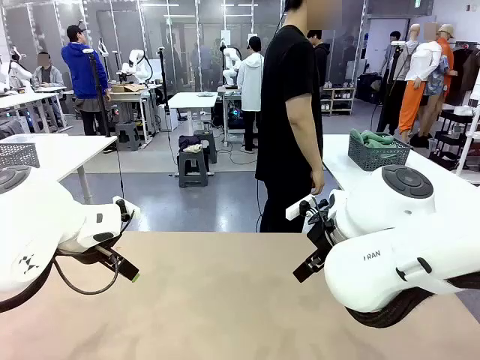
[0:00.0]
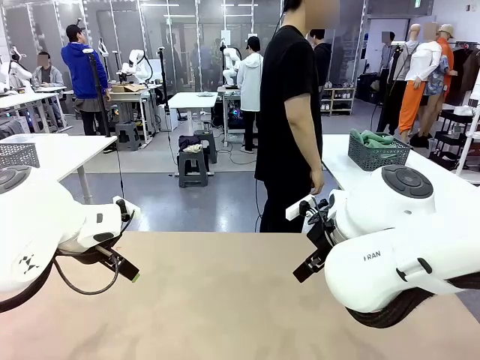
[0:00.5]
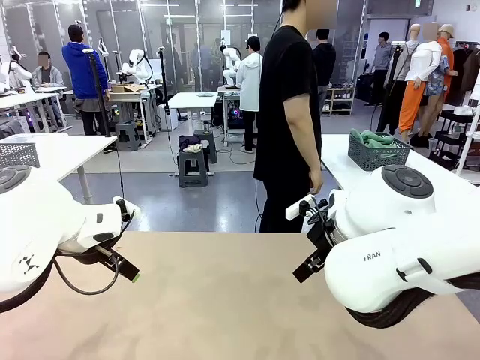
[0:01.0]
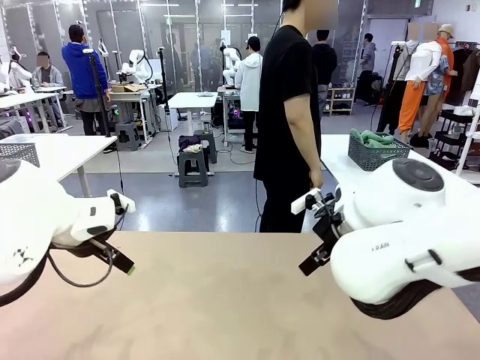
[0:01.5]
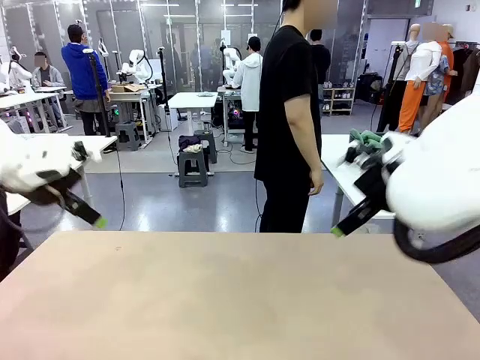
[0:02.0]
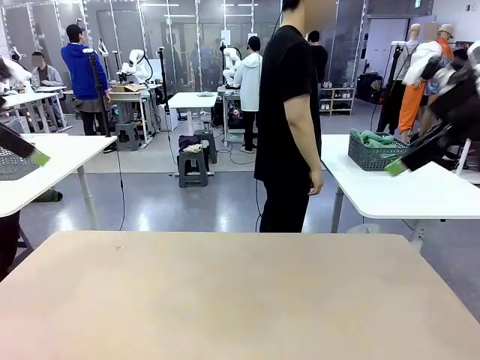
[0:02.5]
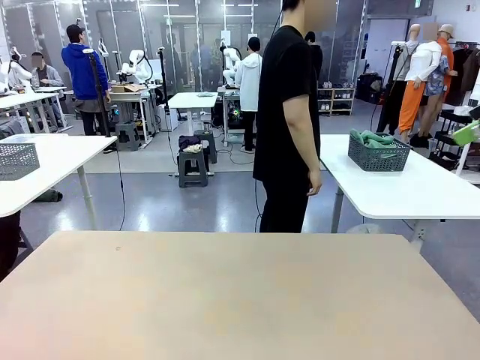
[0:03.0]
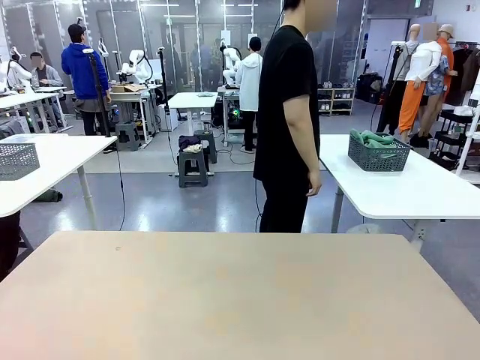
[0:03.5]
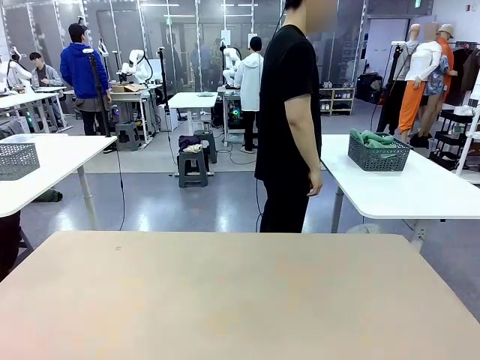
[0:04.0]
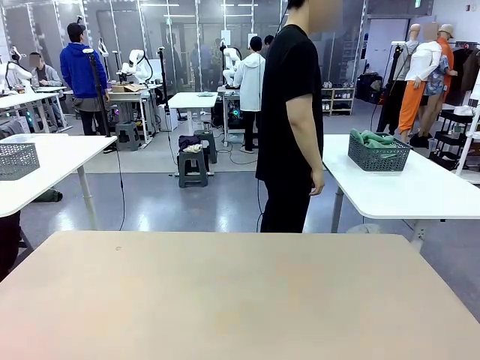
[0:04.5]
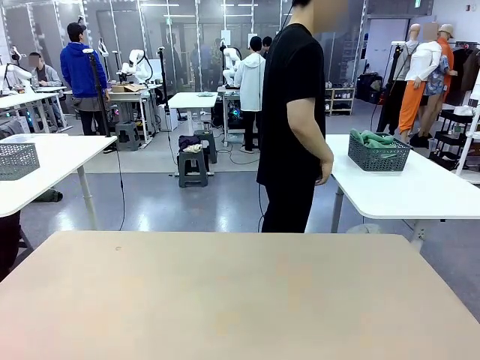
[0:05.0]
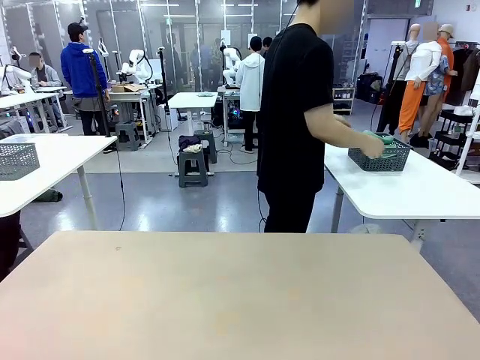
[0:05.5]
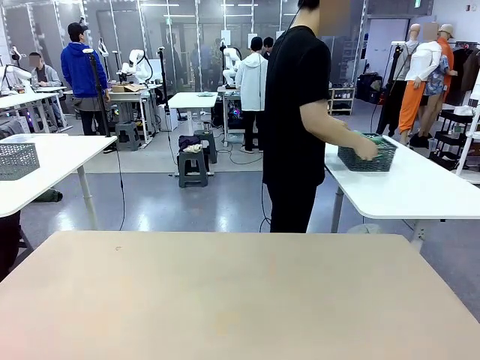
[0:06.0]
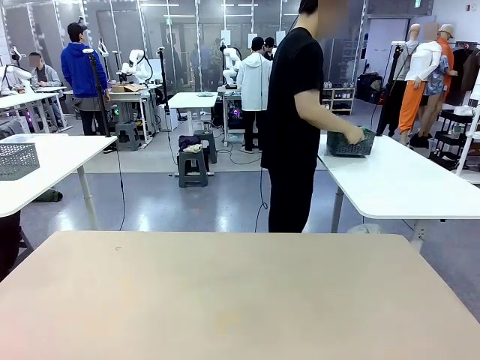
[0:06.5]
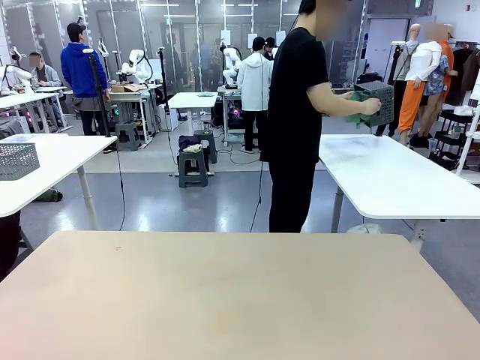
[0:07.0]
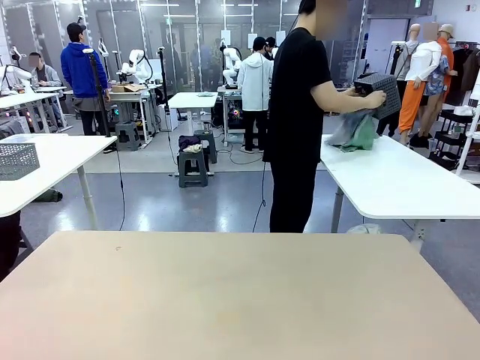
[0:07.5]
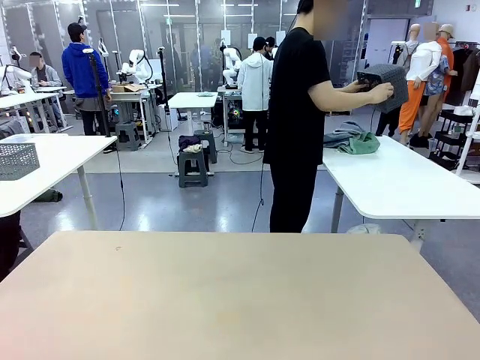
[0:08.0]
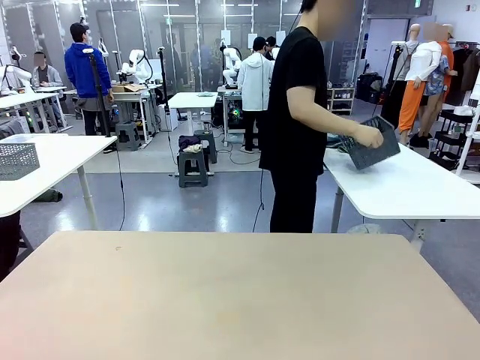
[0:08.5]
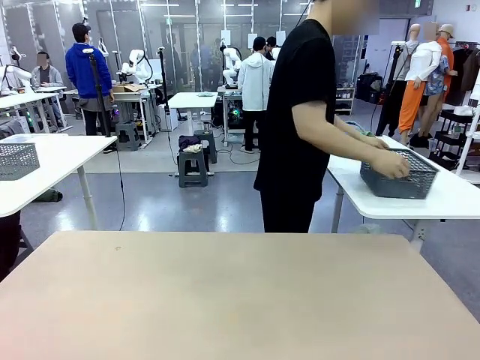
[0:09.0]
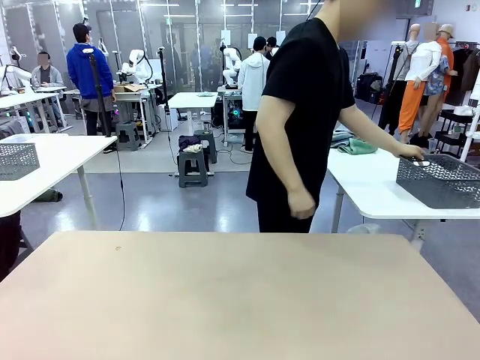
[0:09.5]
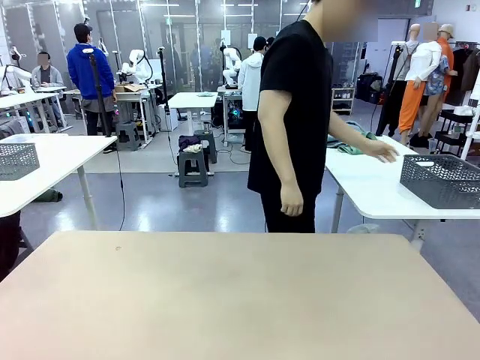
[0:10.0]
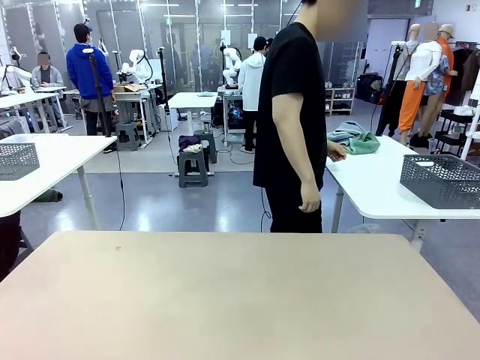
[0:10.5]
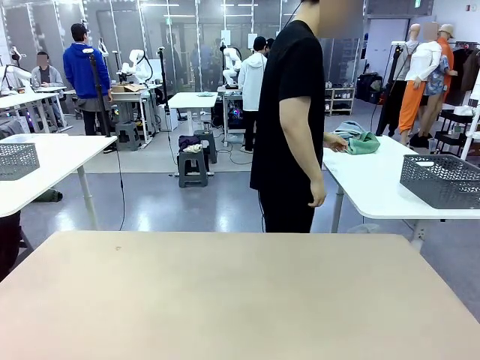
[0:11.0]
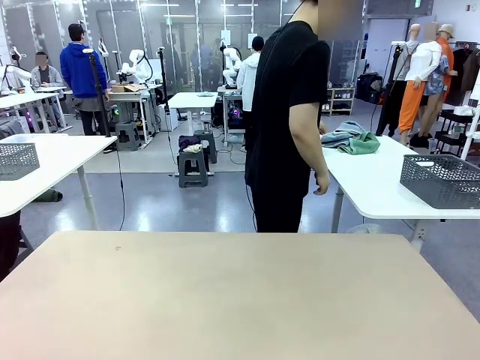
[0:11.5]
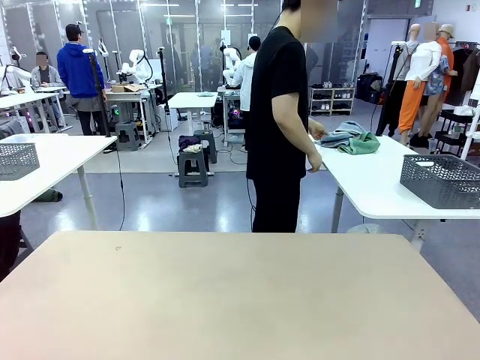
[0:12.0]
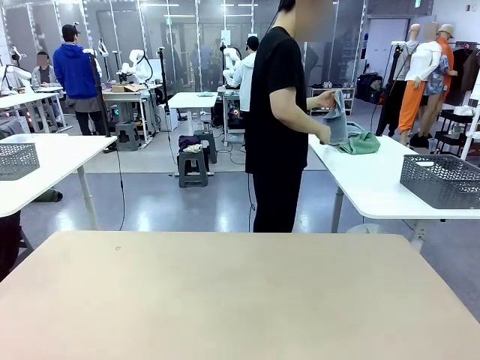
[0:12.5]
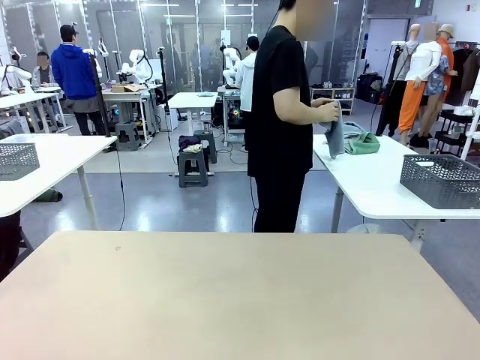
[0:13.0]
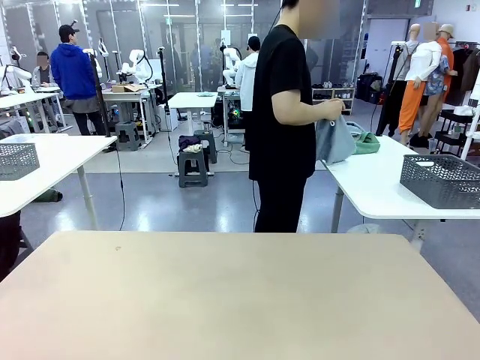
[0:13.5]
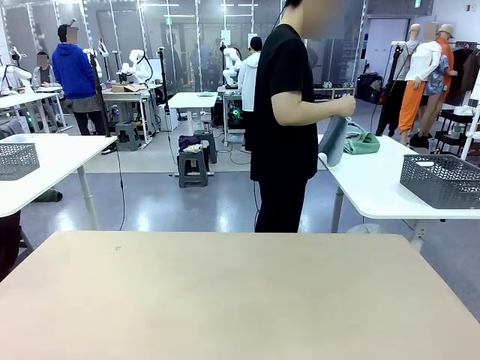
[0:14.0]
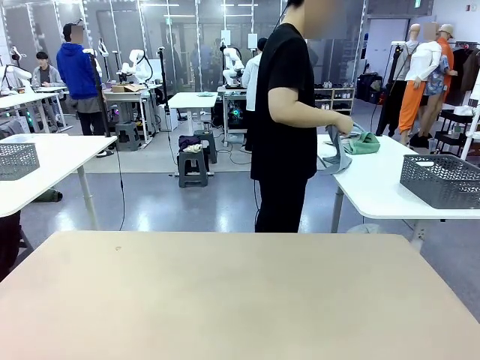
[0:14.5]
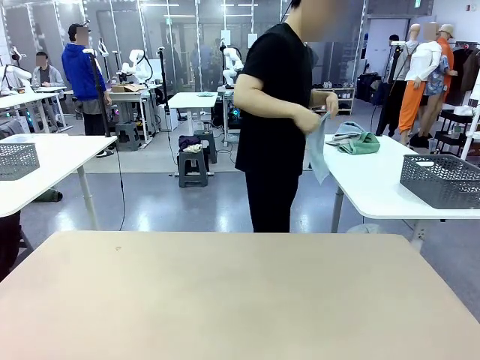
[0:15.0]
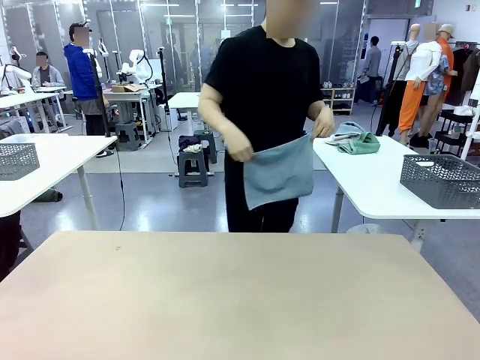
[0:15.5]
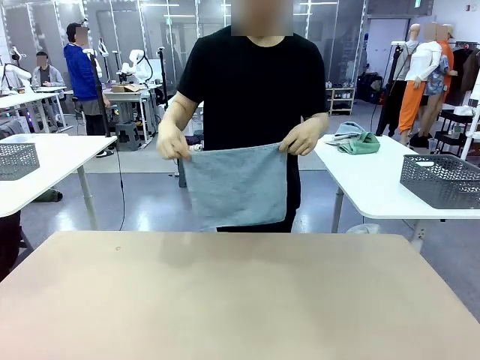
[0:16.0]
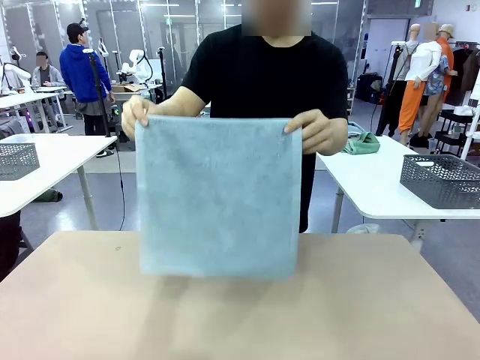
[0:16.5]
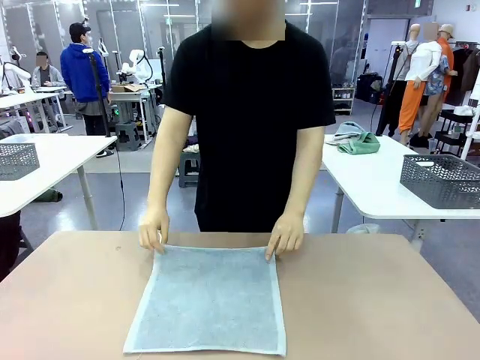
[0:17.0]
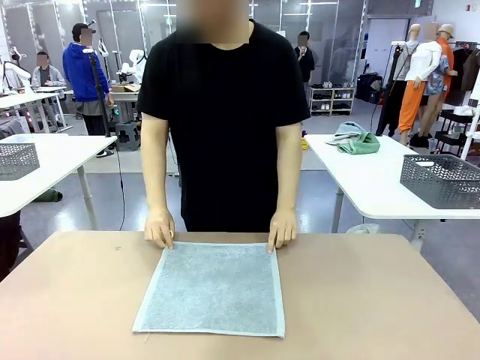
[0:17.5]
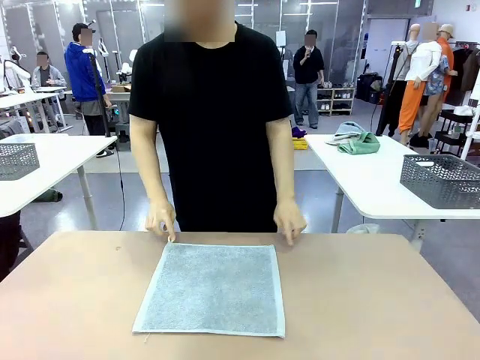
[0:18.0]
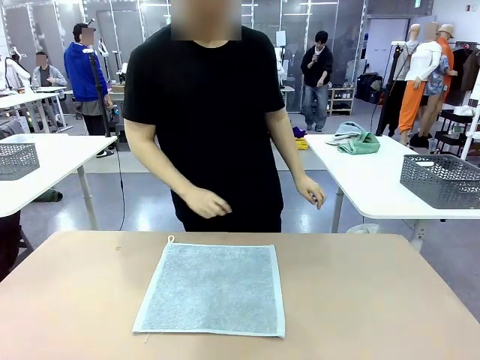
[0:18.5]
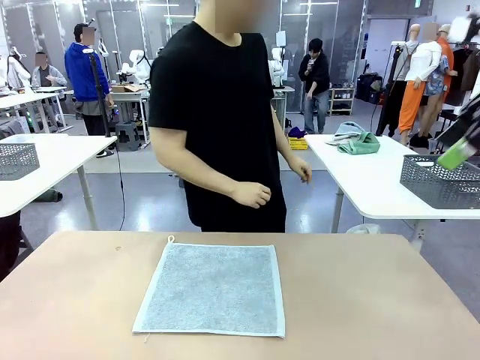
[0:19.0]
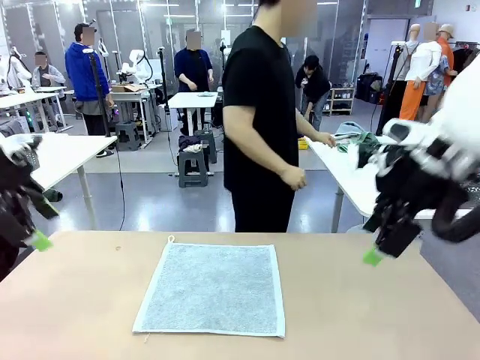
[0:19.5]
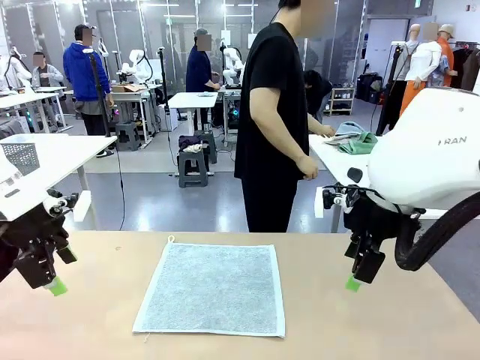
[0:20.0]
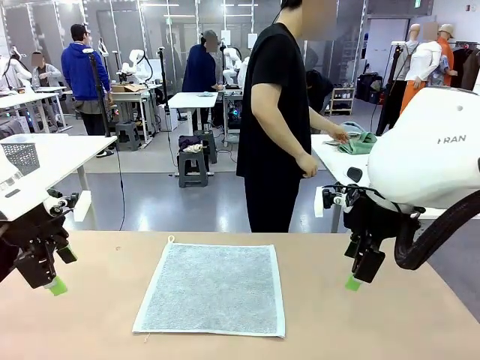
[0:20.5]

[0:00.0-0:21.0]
Task: Fold the towels and place them in the basket.
Robot: When a person lays out a Towel with hook on the table, fold it in half twice.
Person: Pick up the basket, pour the towels onto the left side of the human table, and place the basket on the right side. Pick up one towel and spread it out at the center of the robot table.
